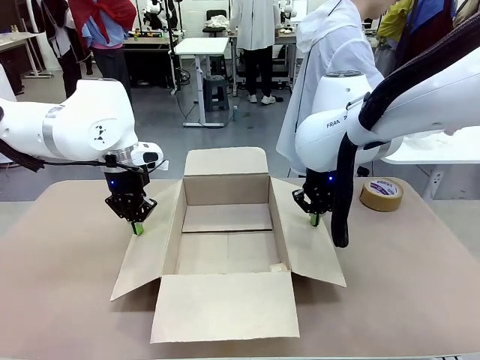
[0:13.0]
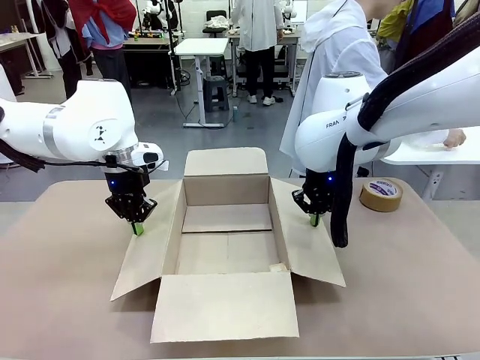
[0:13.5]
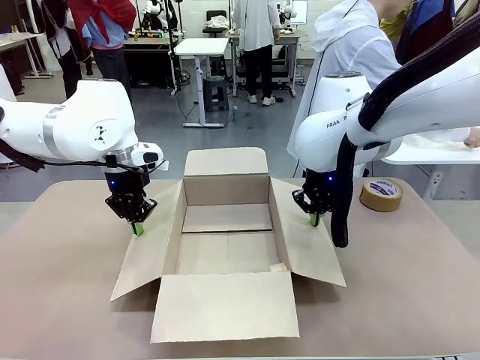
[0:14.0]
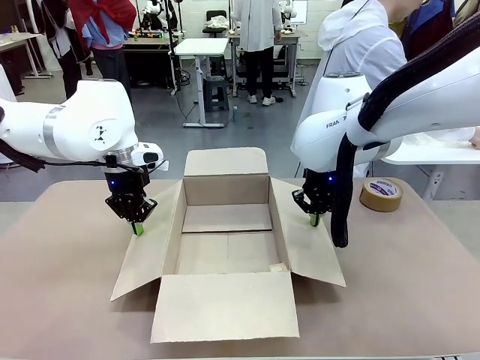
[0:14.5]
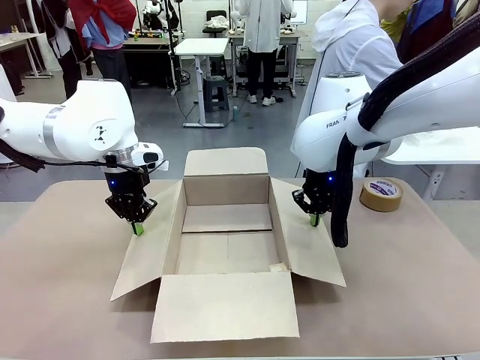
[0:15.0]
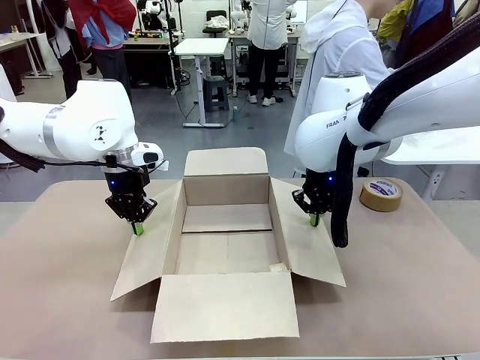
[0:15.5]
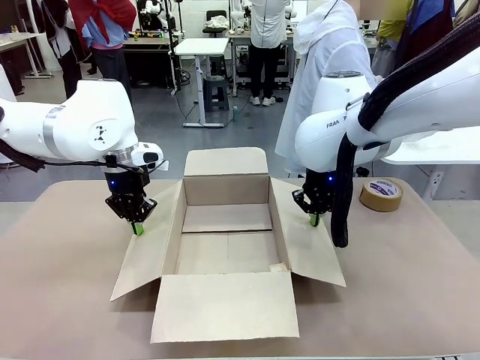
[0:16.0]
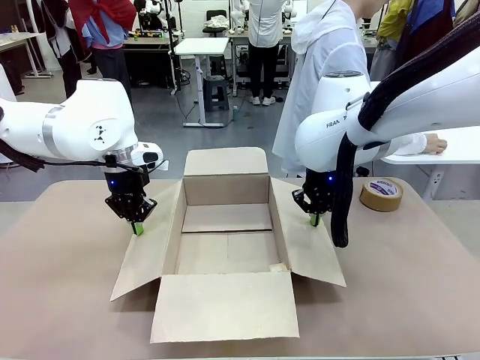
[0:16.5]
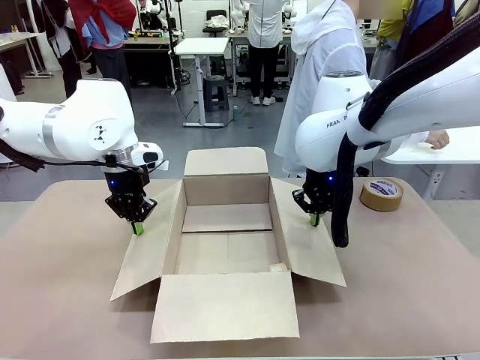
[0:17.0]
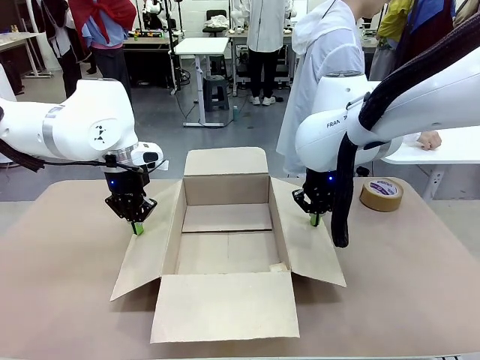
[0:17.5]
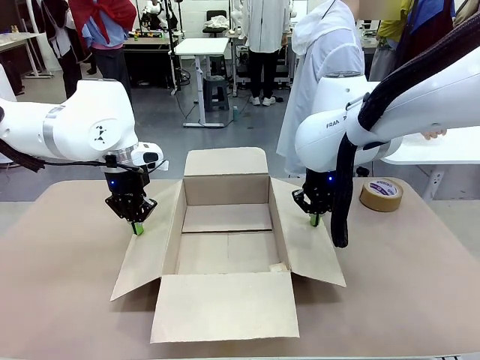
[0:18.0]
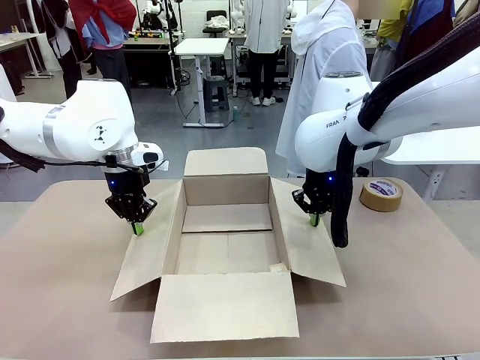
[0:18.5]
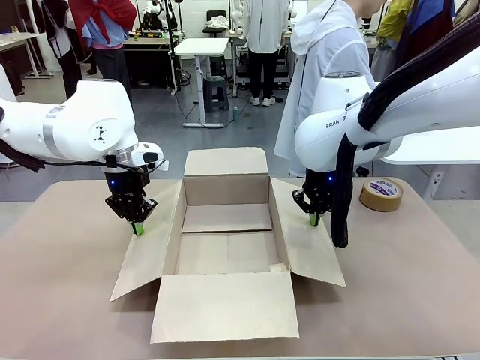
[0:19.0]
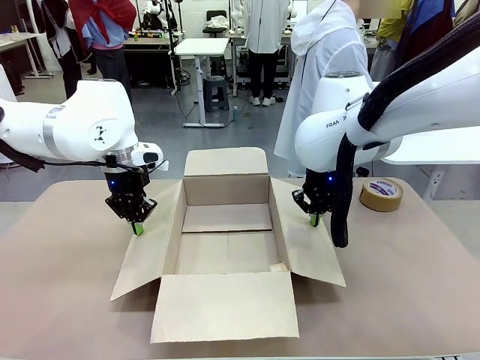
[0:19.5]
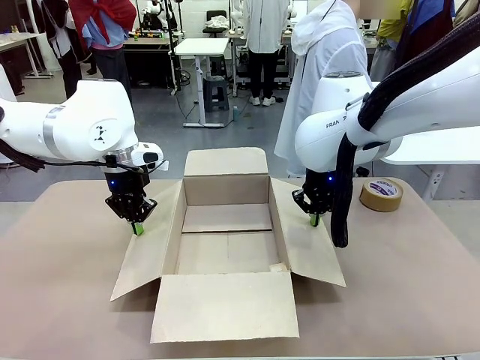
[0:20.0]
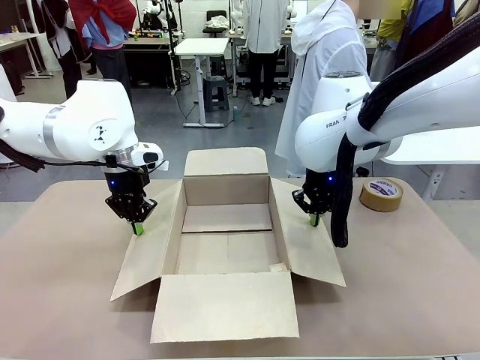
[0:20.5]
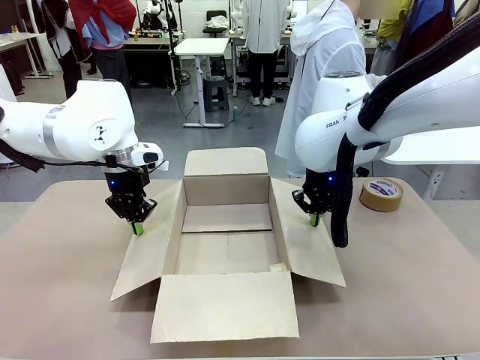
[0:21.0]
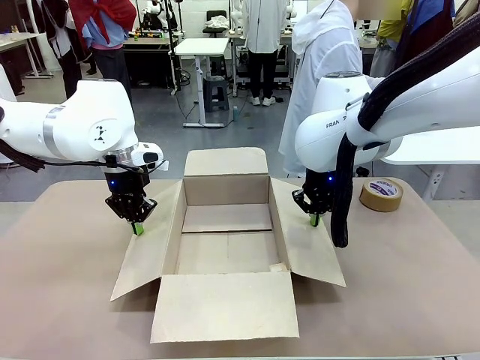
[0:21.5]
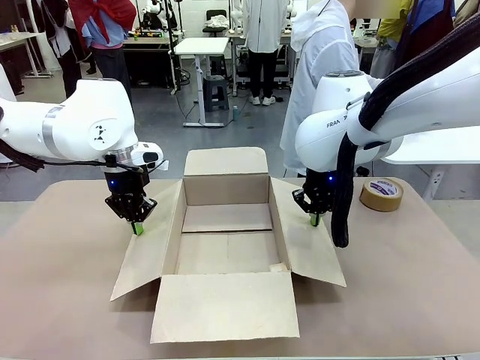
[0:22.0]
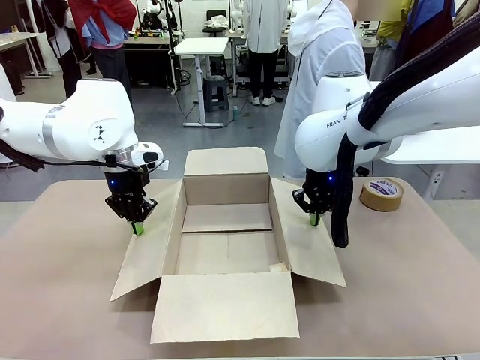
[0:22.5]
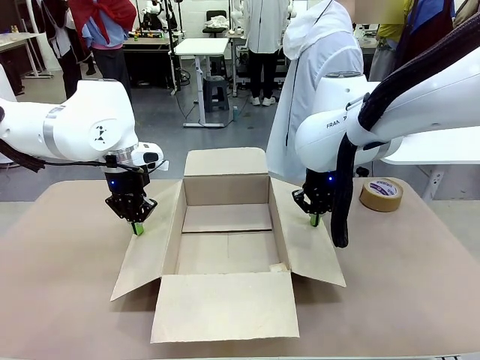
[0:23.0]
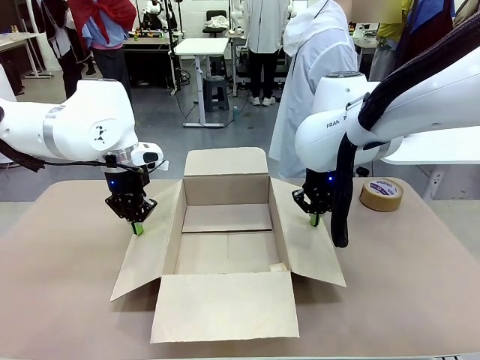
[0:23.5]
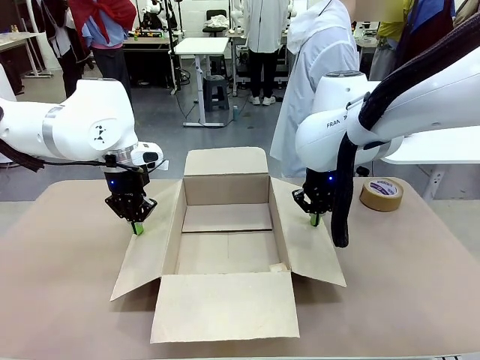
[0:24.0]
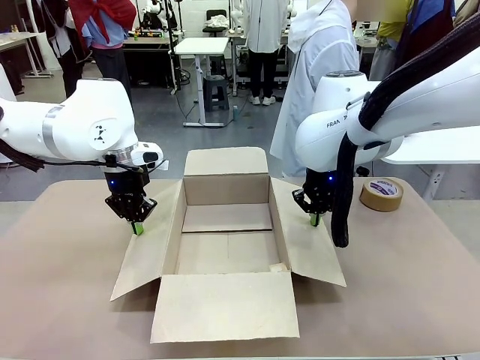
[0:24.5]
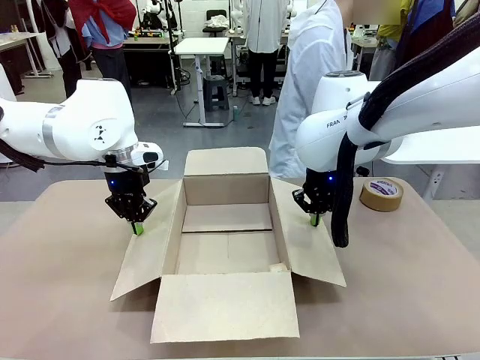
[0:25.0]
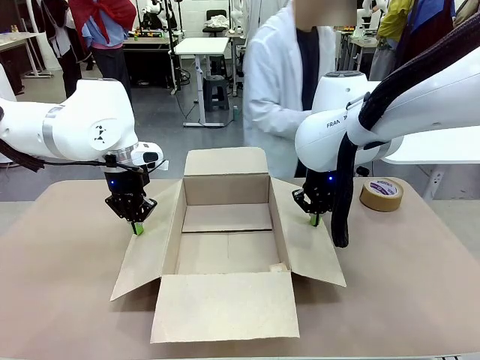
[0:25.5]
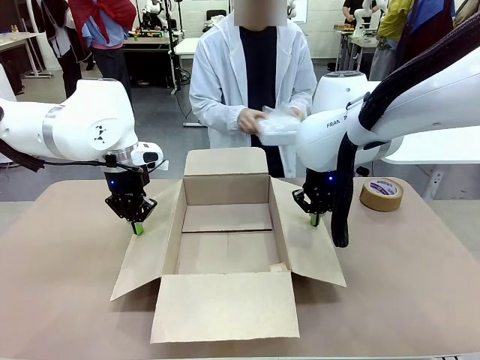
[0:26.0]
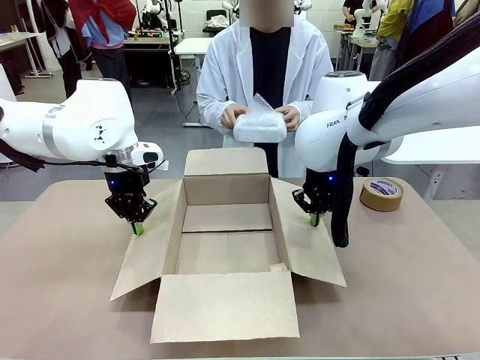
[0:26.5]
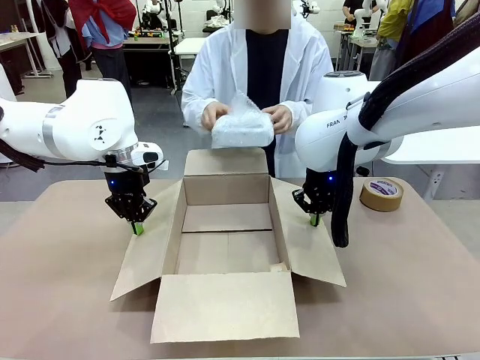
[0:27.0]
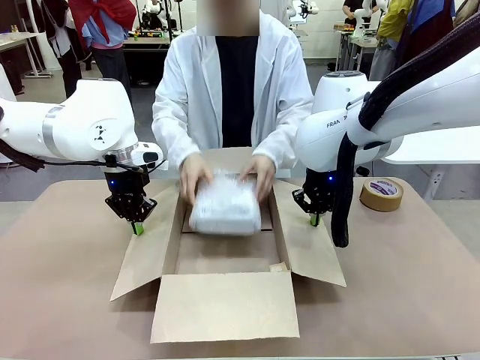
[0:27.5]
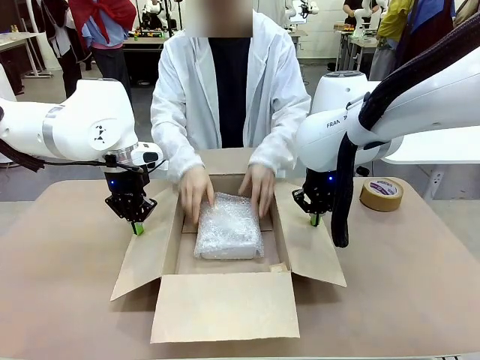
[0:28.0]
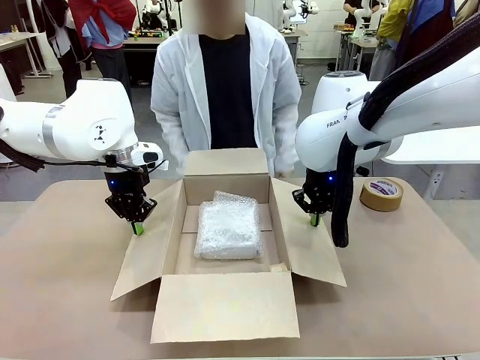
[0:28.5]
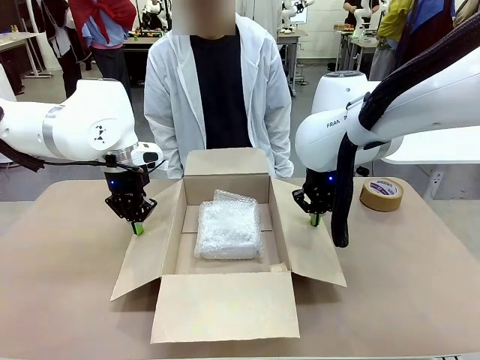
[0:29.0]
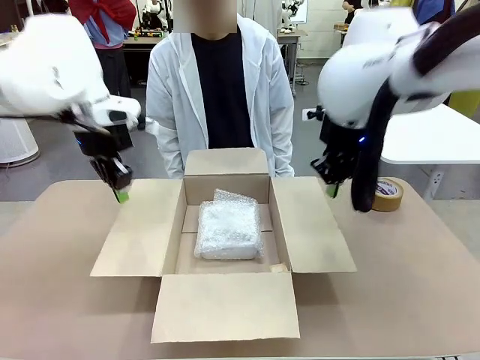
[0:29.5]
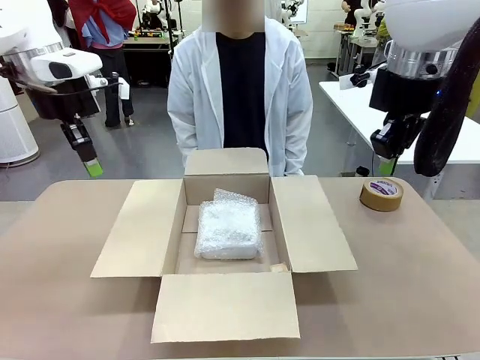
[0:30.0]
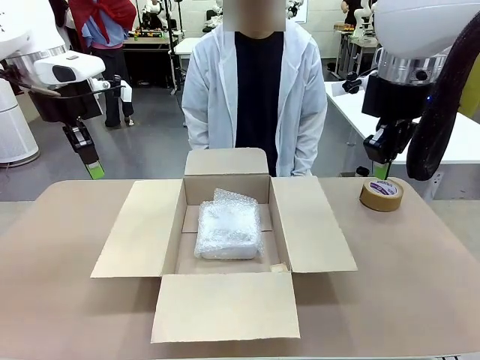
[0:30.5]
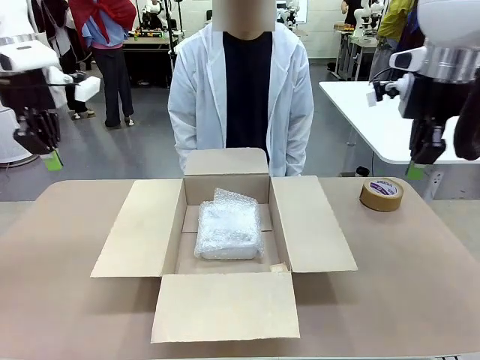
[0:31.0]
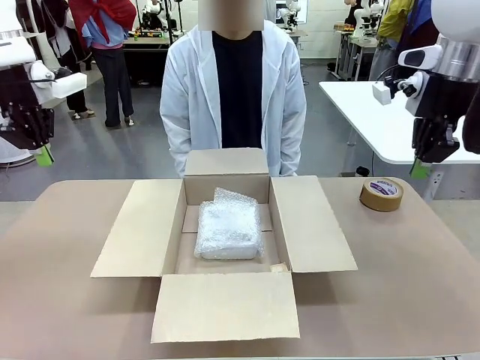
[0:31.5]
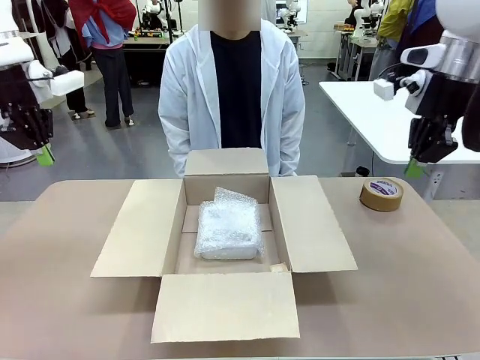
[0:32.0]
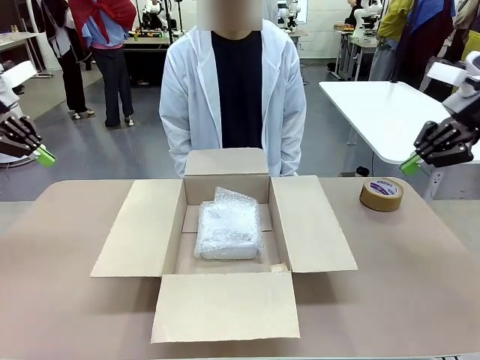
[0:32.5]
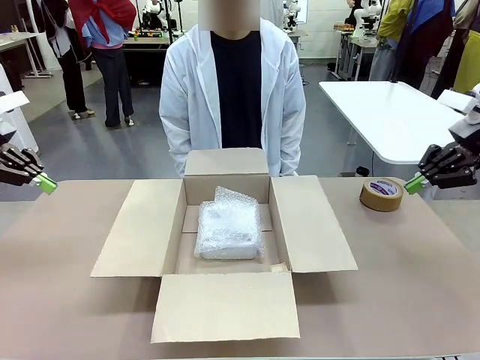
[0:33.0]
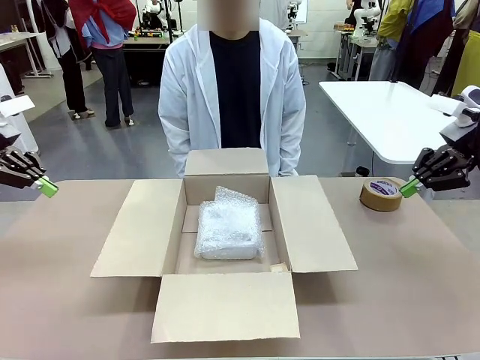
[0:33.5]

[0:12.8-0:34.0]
Task: Wrap the clocks to prevent damage.
Robot: Once the human has placed the objects inside and stepped back, release both hands from the side flaps of the Package Box.
Person: Place the wrapped Digital clocks inside the Package Box. Hold the top and bottom flaps of the Package Box closed with your left (or right) hand.
